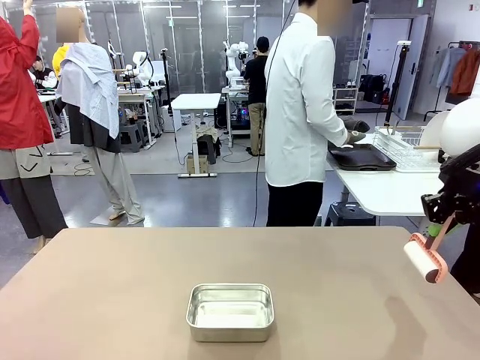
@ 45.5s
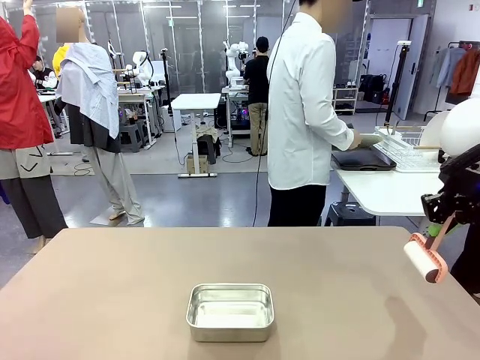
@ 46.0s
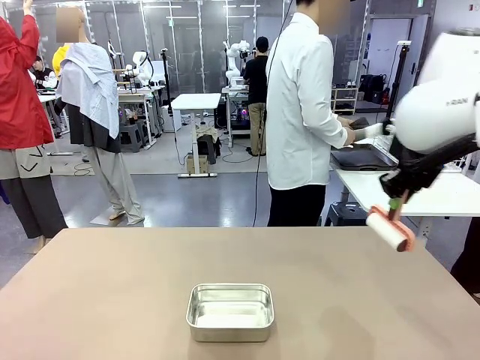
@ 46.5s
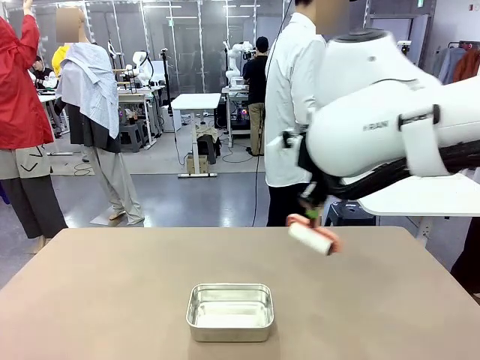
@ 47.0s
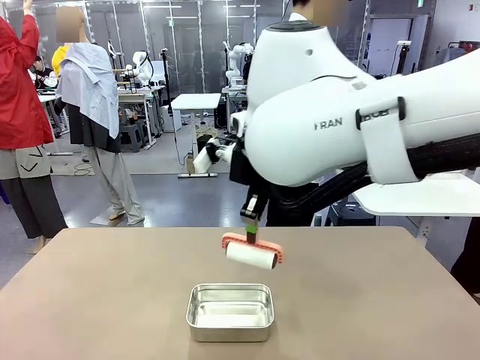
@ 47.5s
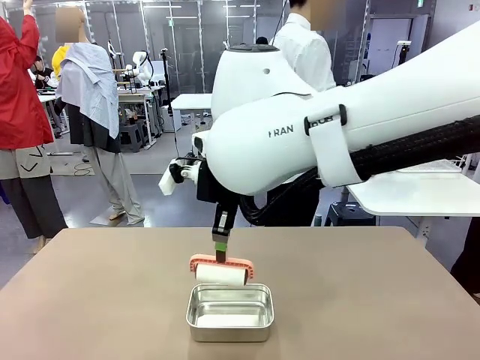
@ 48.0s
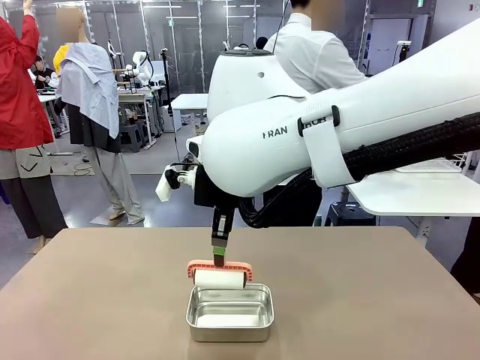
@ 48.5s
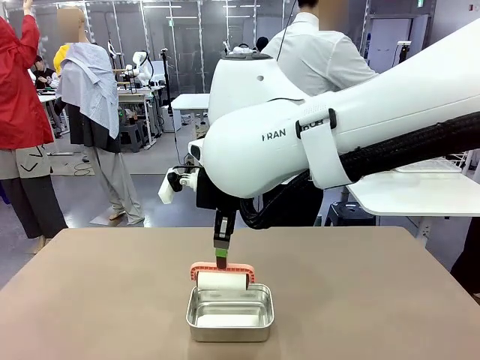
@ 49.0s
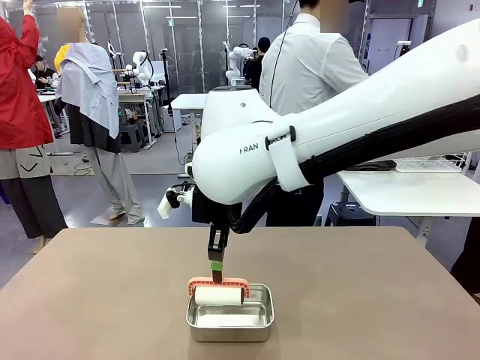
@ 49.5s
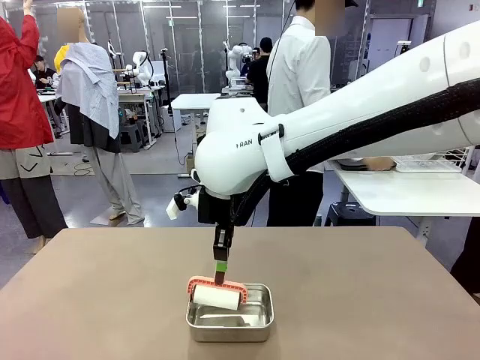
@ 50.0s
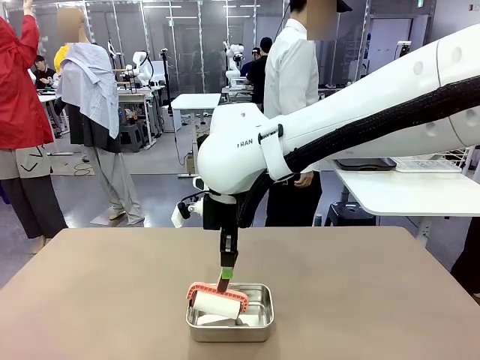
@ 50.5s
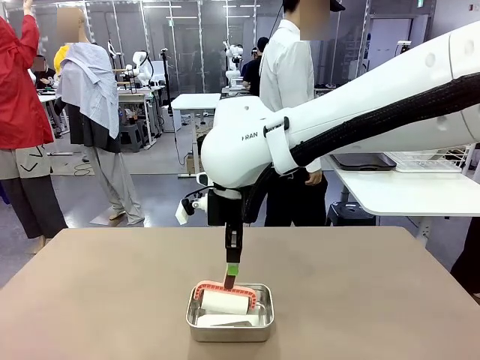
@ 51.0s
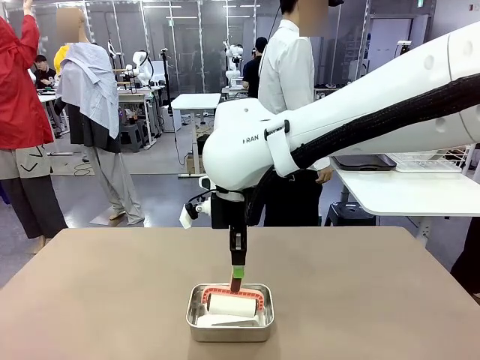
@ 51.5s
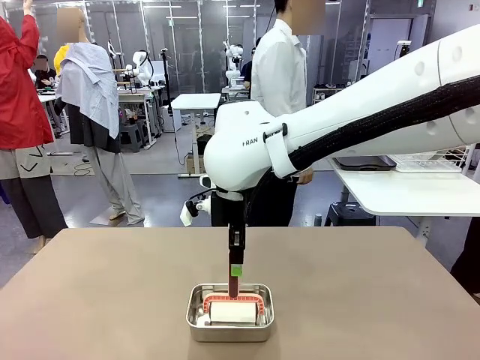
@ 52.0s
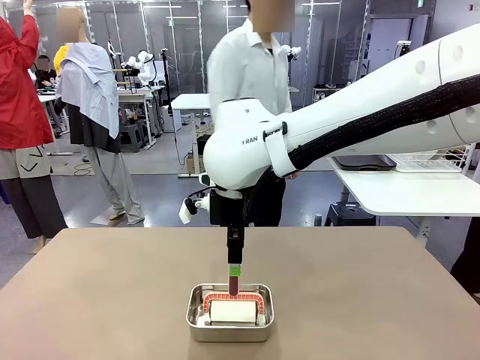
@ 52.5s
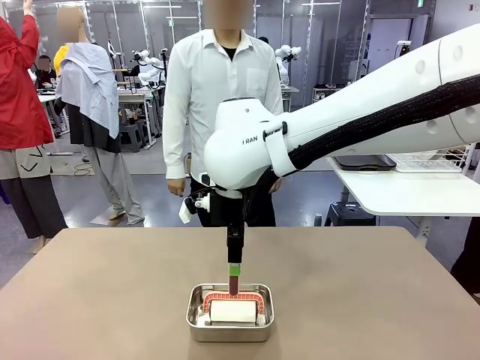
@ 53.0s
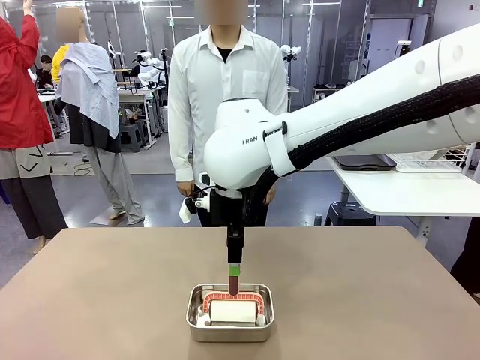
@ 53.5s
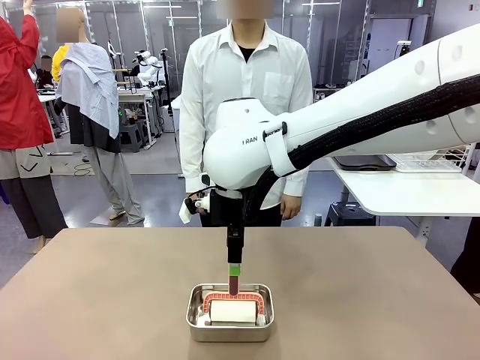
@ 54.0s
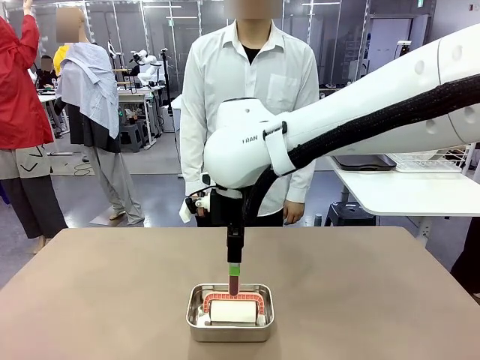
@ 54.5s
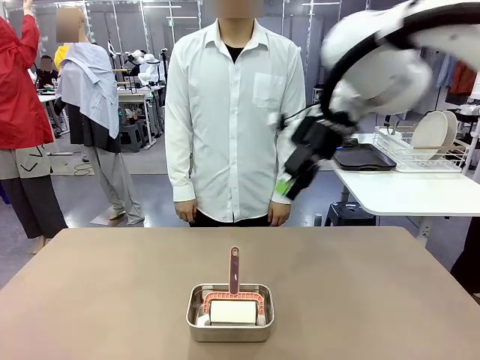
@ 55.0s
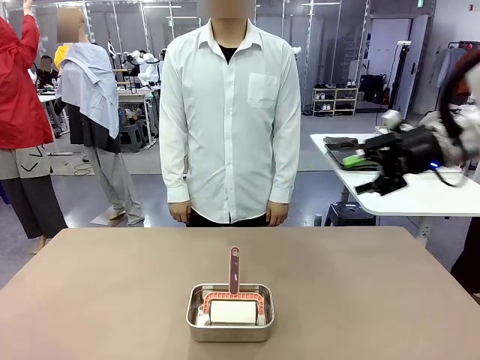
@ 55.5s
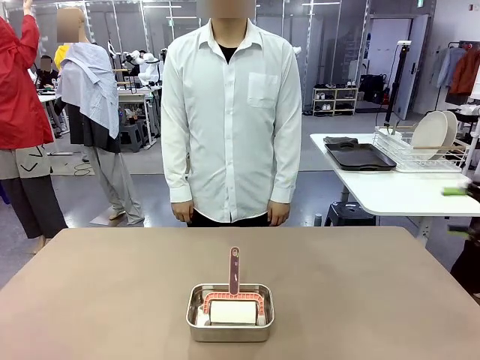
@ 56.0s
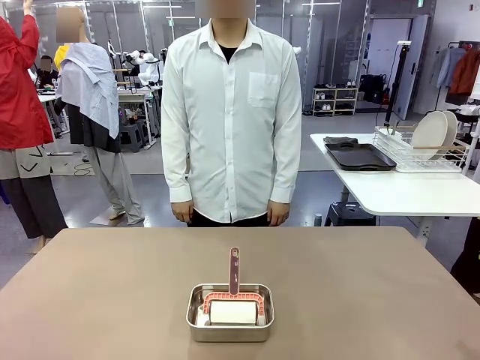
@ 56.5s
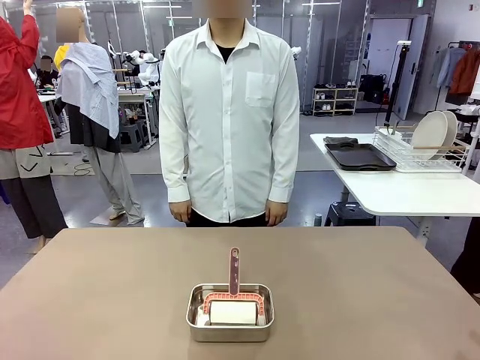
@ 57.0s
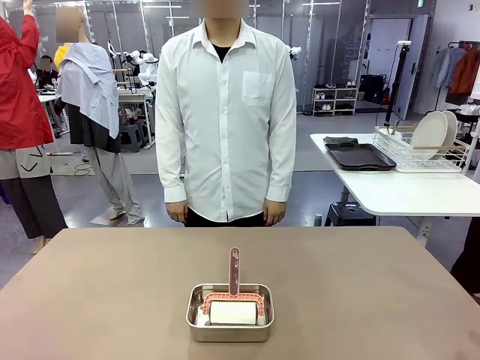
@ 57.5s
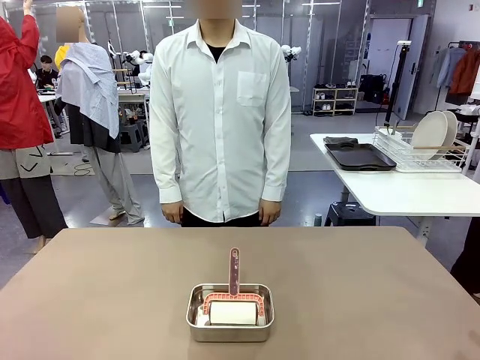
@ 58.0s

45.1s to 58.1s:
Robot: Place the Lint Roller back on top of the Airtight Container.
Person: Use the Towel with hook to wipe the Plastic Matte Plate , Fork , and Knife and place into the Dish drying rack.

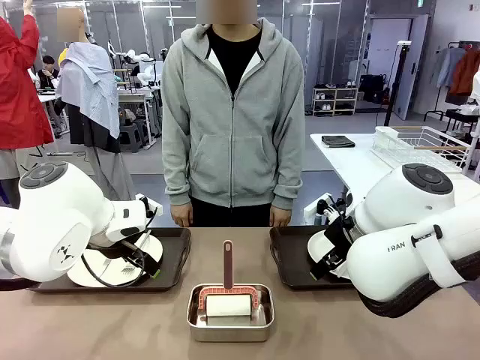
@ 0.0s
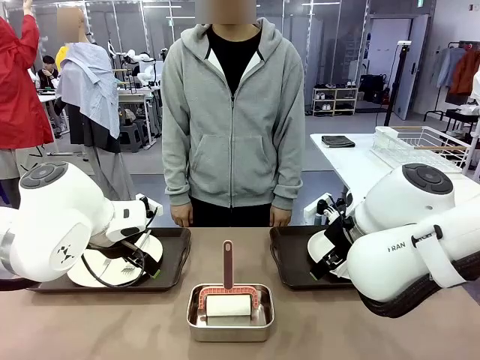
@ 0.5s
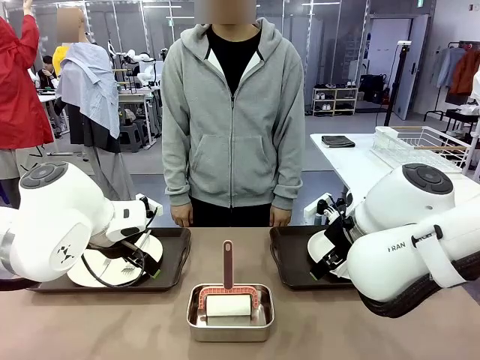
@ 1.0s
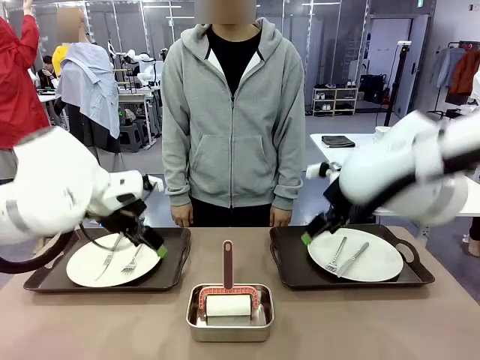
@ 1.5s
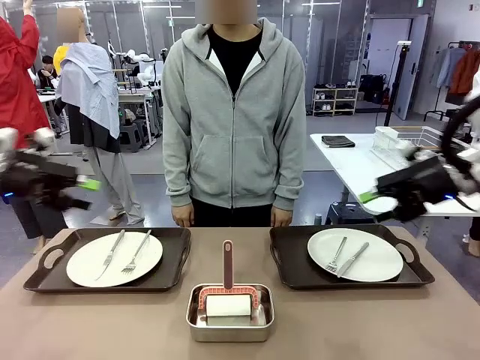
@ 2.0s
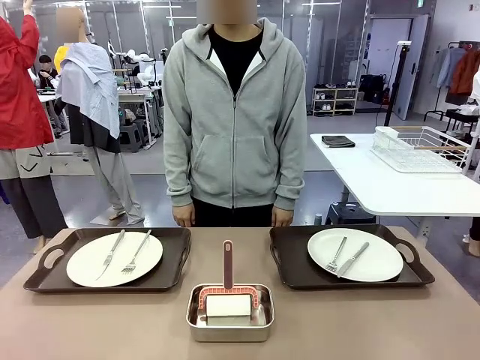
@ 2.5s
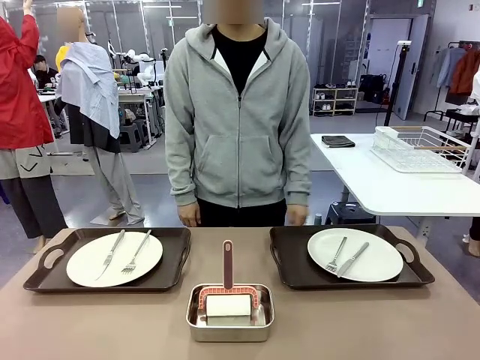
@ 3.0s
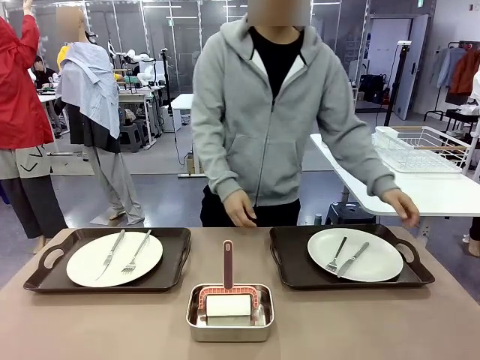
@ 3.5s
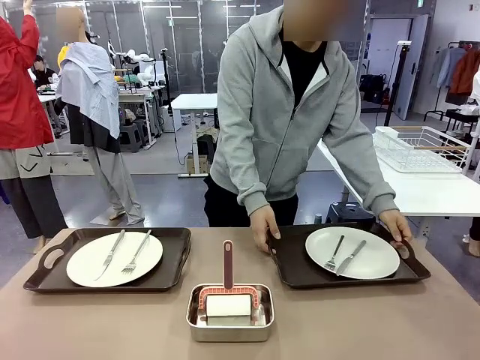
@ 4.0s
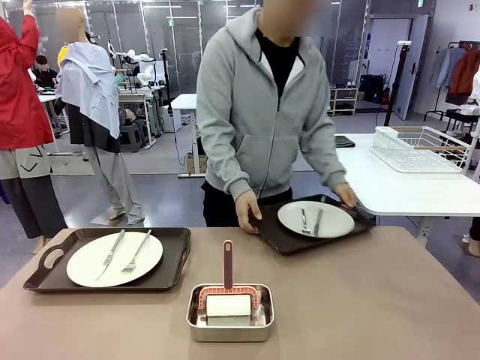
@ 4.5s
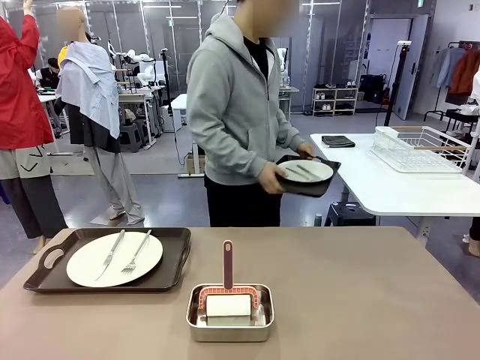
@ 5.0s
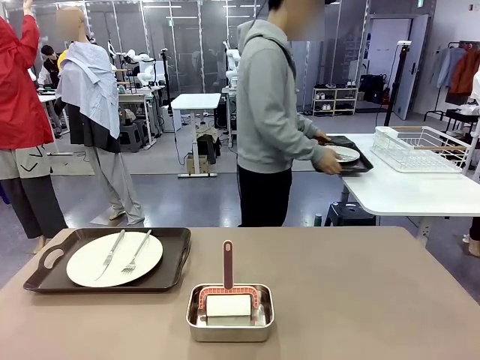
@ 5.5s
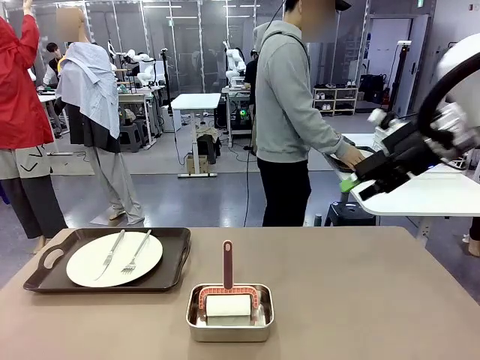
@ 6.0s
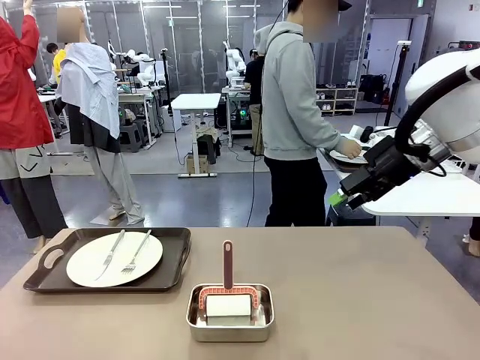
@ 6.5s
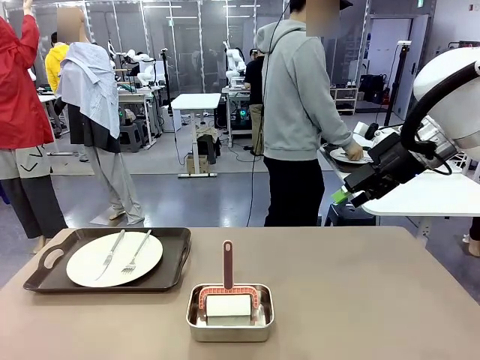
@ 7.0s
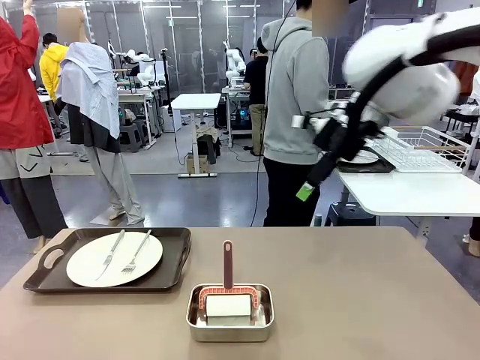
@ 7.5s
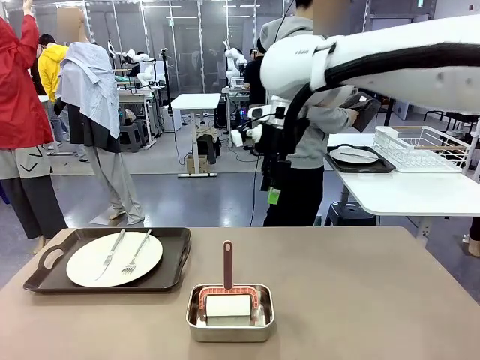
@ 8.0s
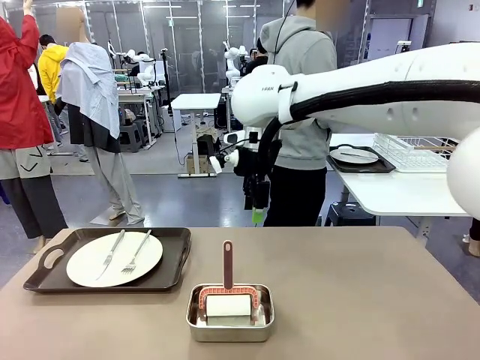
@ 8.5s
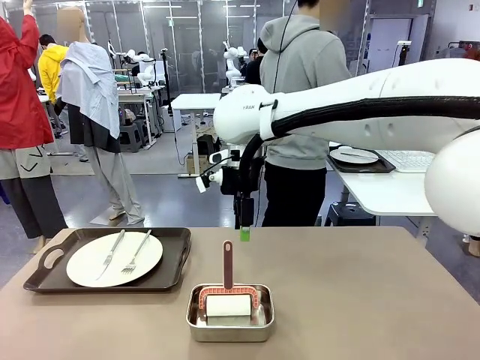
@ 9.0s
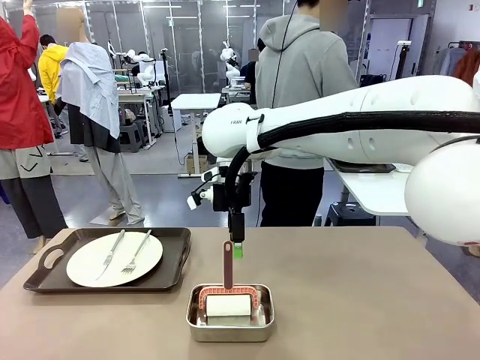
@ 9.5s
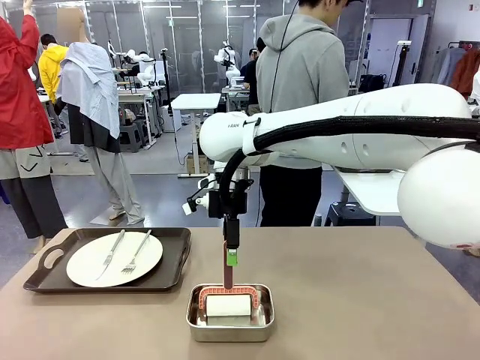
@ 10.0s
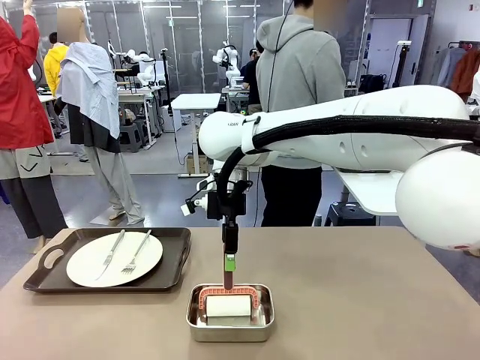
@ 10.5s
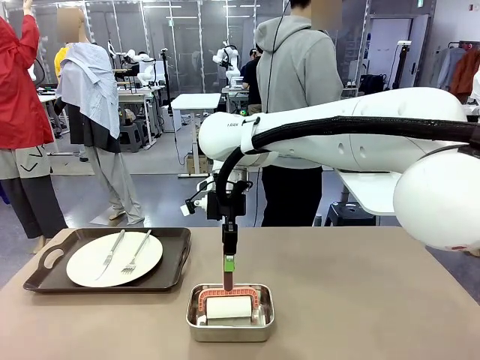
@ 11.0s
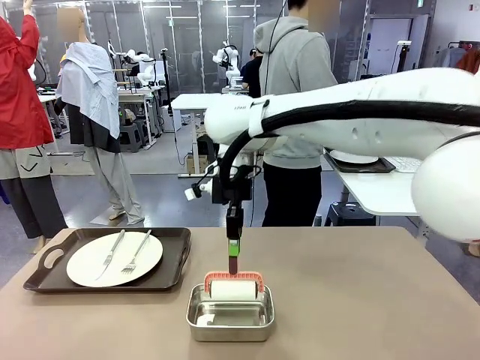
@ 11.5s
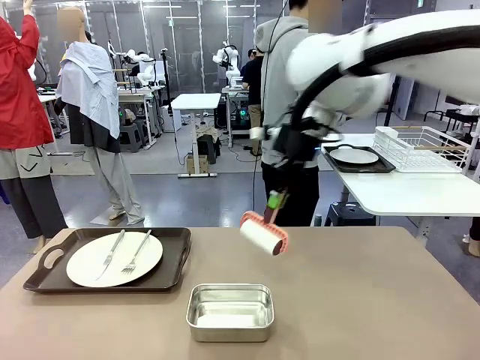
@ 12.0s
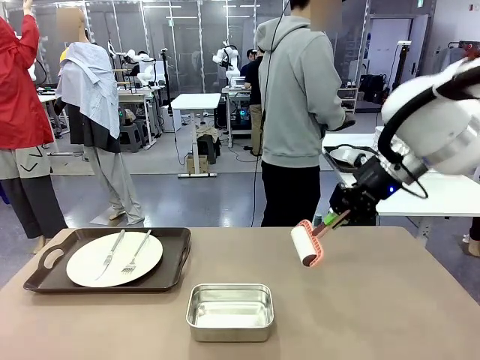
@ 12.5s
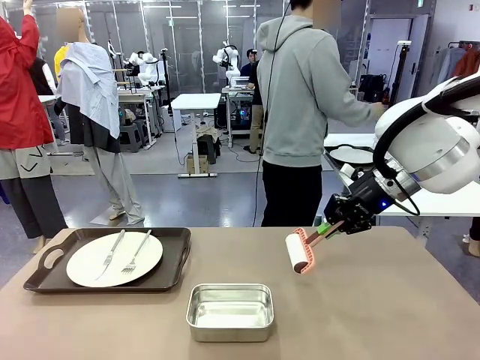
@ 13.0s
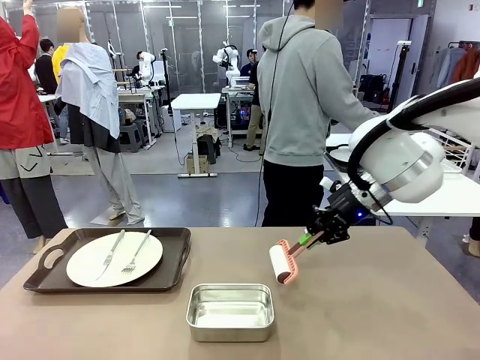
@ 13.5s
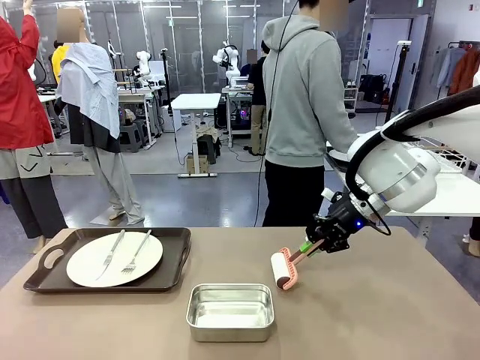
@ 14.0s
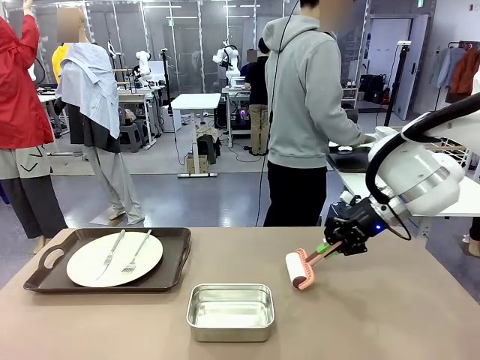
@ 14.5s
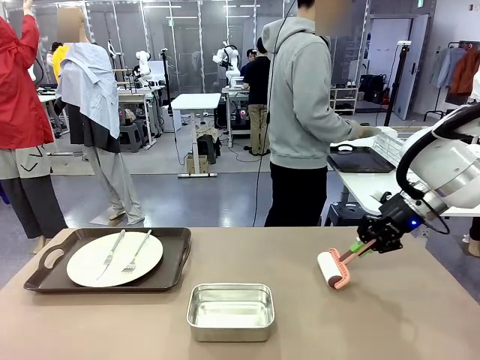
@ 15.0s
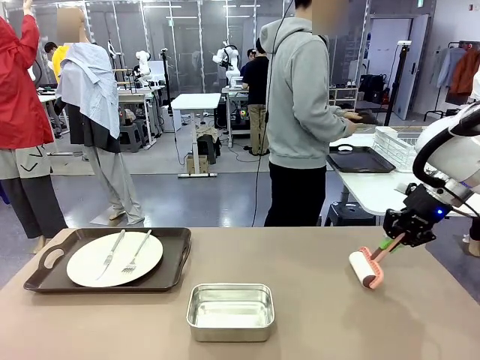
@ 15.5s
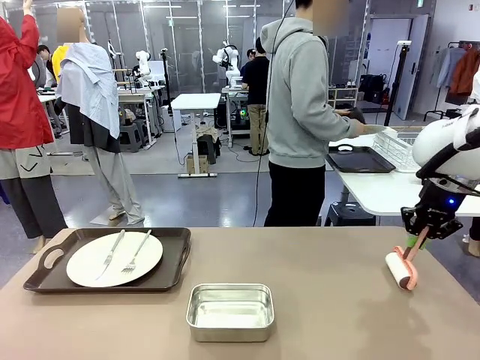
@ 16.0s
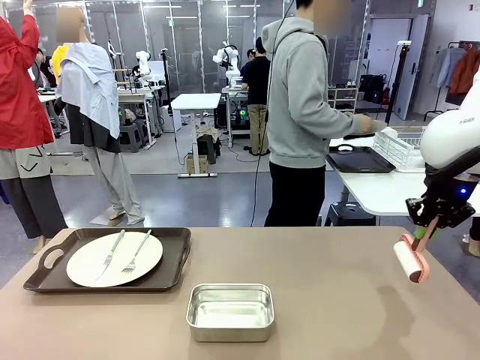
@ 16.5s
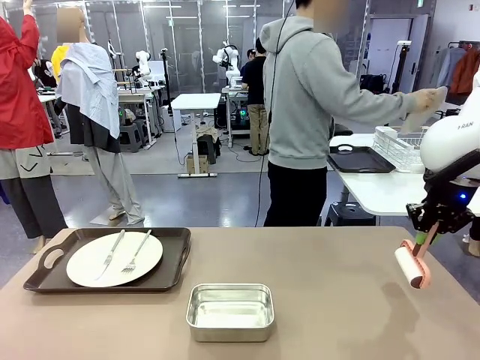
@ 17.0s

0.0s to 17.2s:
Robot: When the left (or right) Handle tray is removed, use the left hand (or right hand) to clean the left (or right) side of the table with the Lint Roller.
Person: Pick up the left (or right) Handle tray and place it on the middle of the Human's table. Use the Towel with hook to wipe the Plastic Matte Plate , Fork , and Knife and place into the Dish drying rack.
